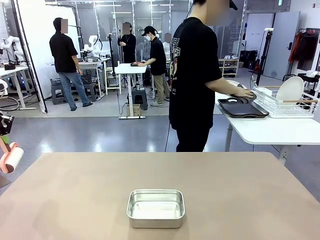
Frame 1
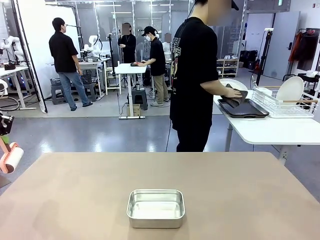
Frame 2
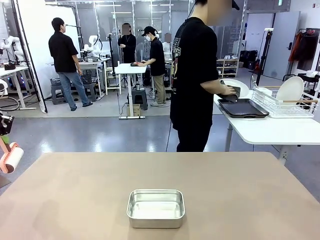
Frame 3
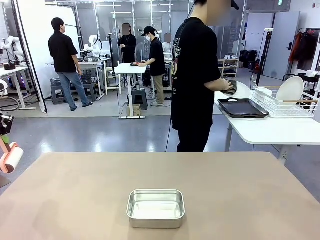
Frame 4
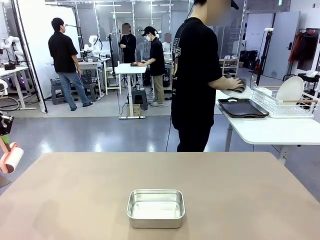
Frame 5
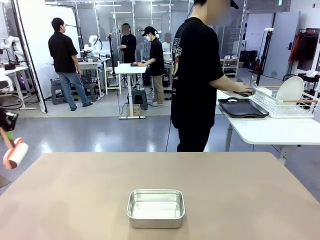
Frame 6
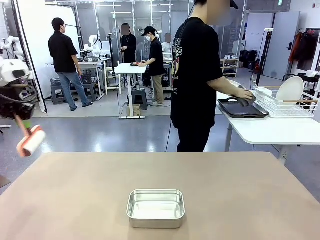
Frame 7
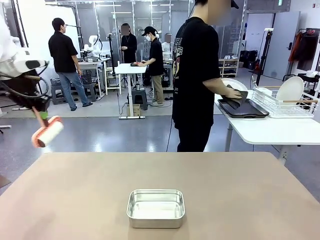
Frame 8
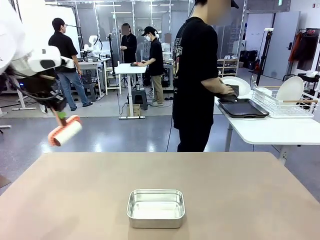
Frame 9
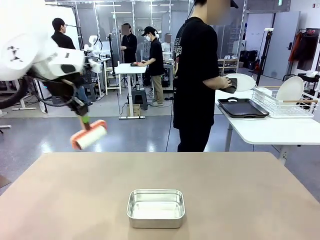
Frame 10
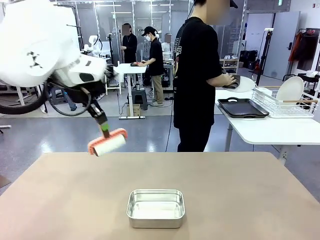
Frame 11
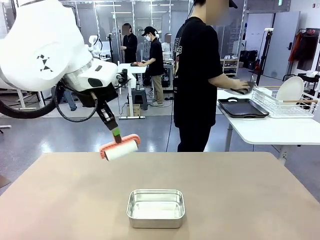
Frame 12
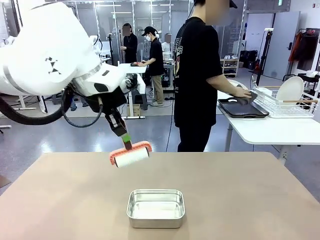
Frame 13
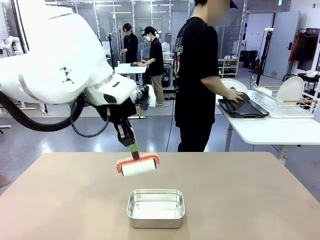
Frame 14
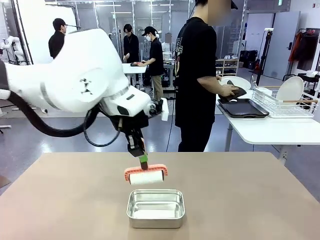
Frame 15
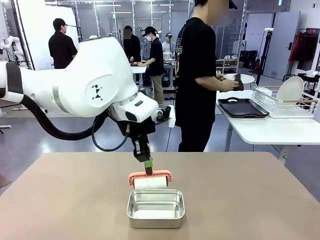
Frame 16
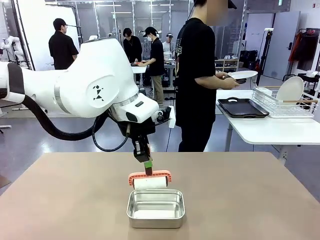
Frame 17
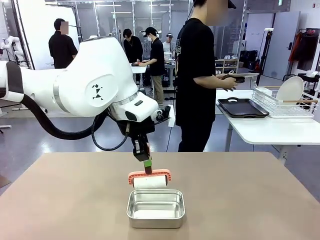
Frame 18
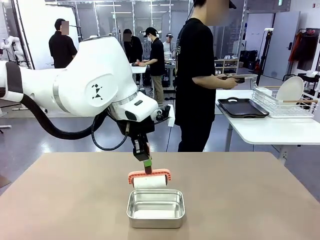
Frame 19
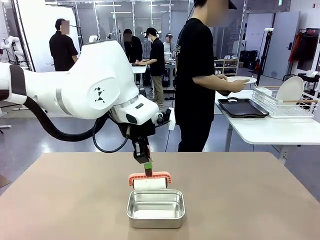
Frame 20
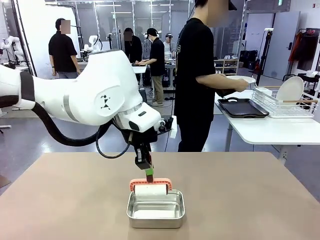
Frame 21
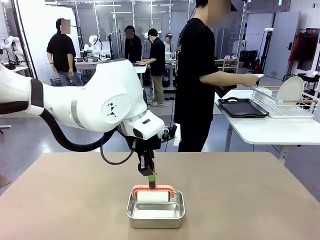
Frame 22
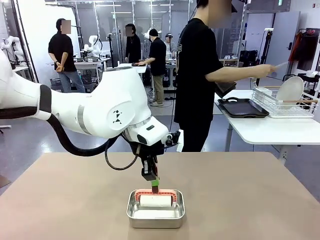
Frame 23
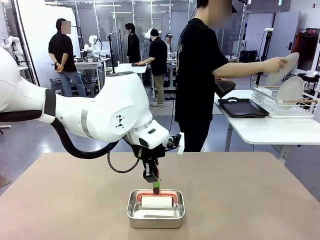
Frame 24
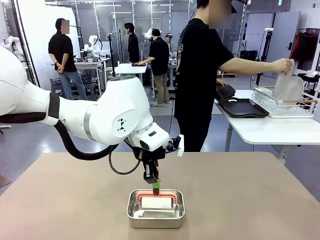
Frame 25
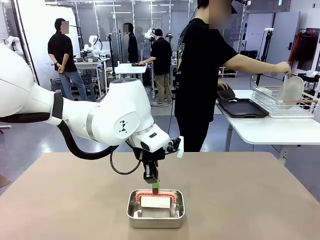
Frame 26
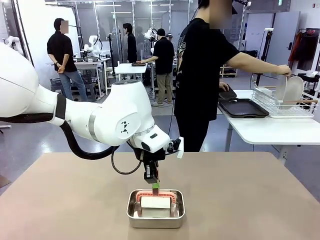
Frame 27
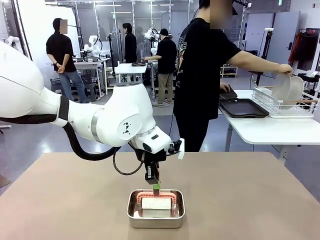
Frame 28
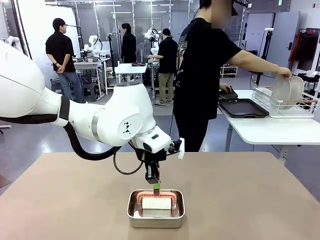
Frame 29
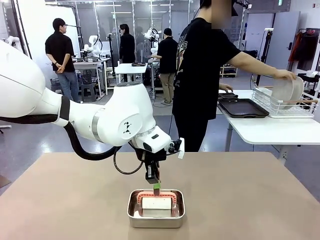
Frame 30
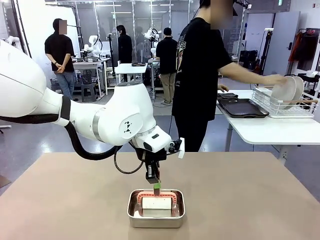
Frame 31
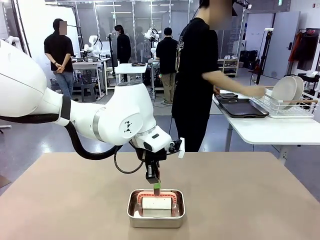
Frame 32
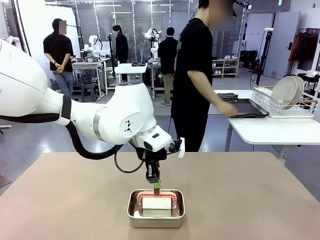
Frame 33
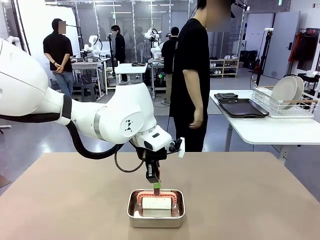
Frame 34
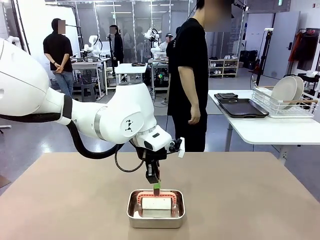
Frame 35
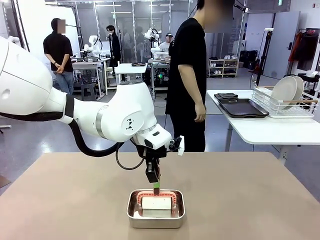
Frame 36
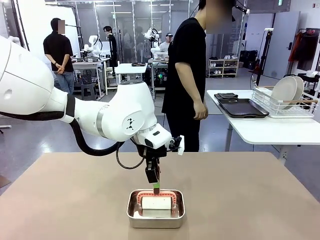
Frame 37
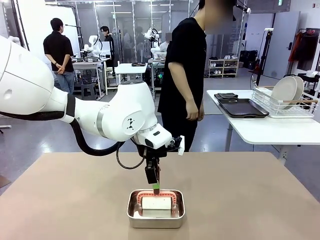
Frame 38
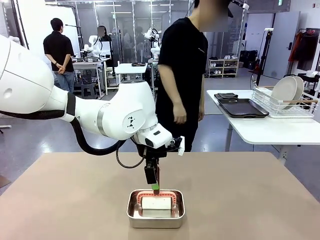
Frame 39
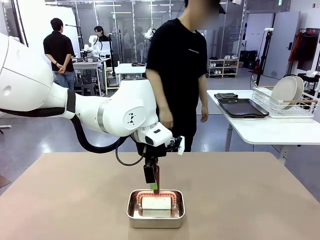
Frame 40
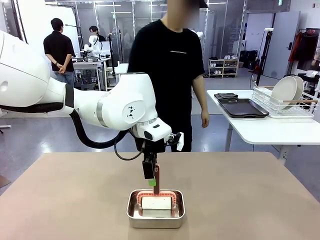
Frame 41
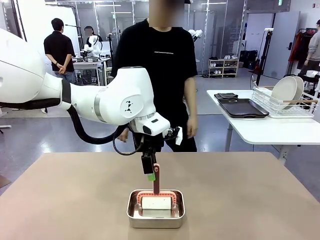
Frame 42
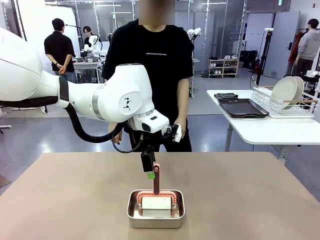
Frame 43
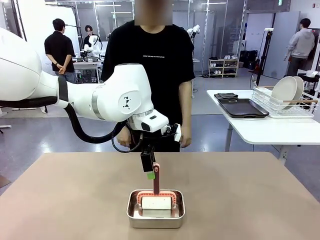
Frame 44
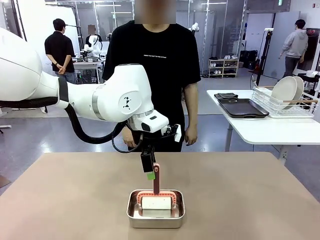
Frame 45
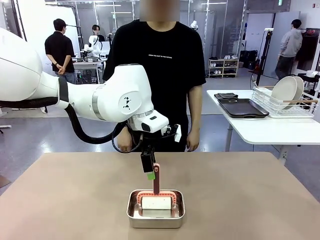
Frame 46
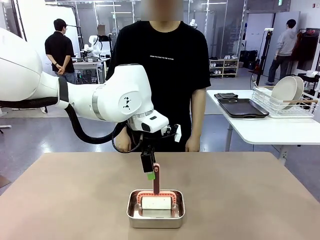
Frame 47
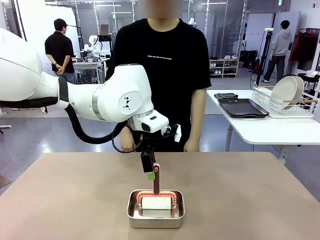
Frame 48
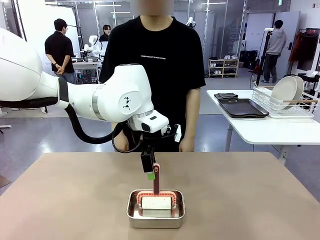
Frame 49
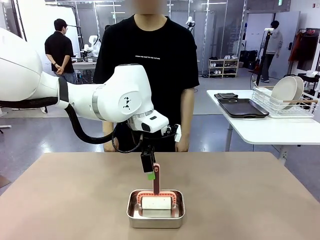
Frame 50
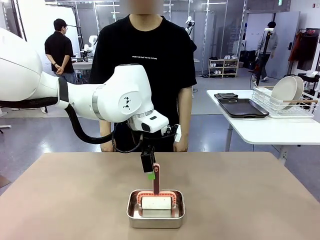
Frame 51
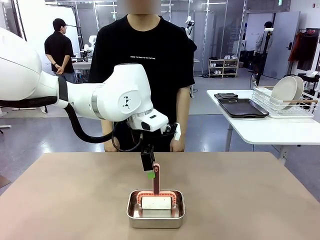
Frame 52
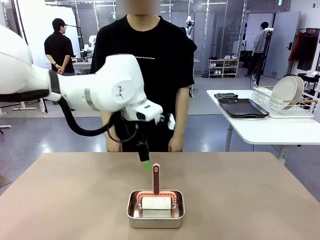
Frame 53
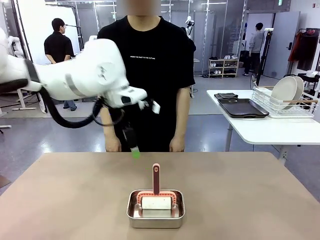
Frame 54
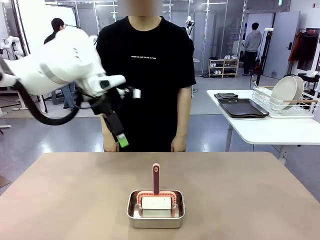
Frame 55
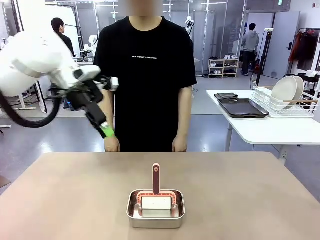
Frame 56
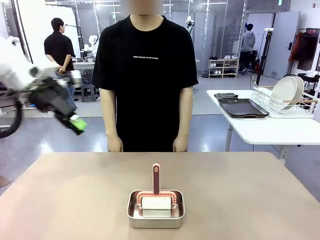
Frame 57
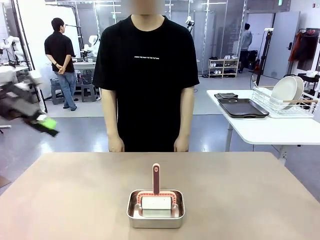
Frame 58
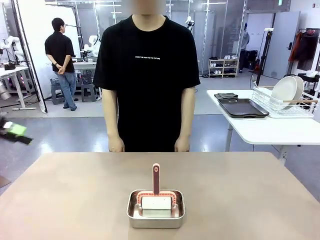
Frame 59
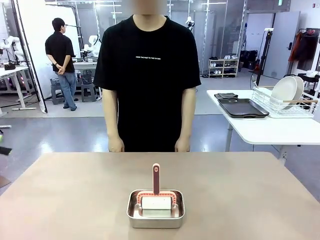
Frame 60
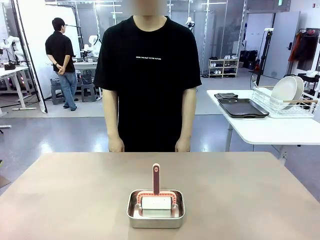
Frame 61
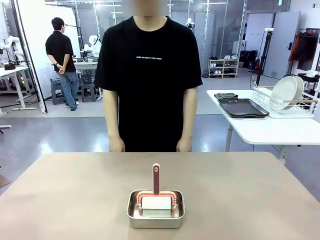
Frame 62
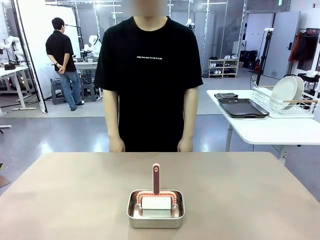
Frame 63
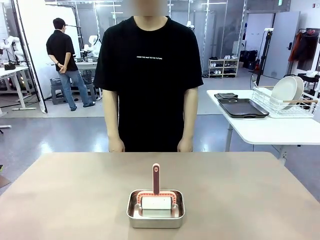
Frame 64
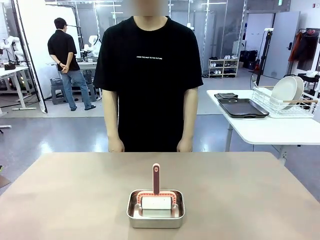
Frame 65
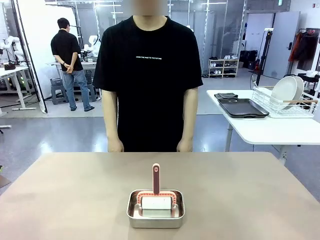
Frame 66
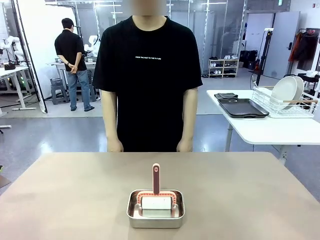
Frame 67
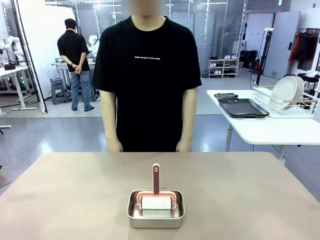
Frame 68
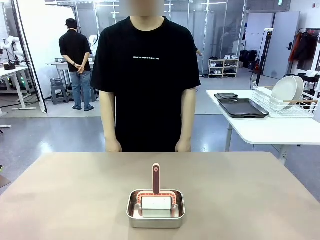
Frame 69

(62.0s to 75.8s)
Robot: Place the Lint Roller back on top of the Airtight Container.

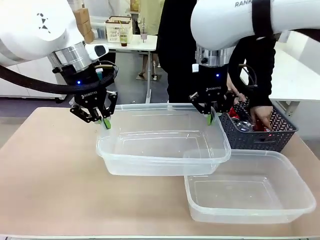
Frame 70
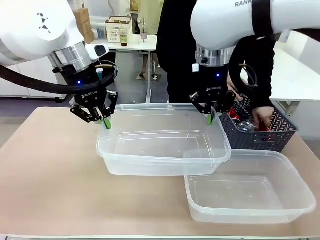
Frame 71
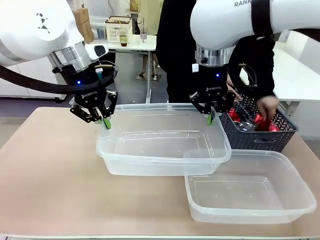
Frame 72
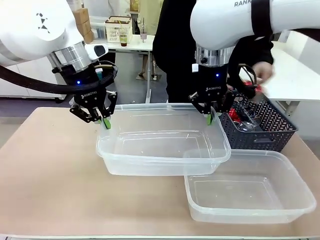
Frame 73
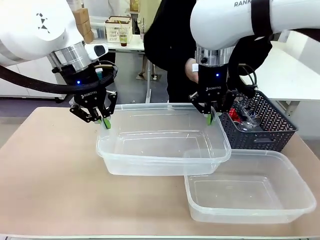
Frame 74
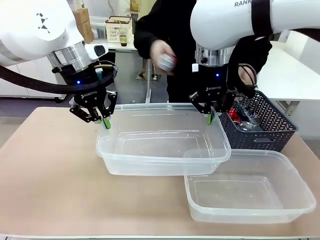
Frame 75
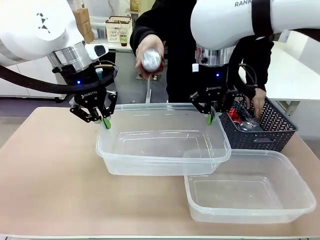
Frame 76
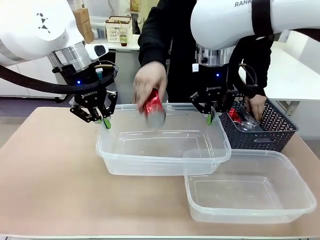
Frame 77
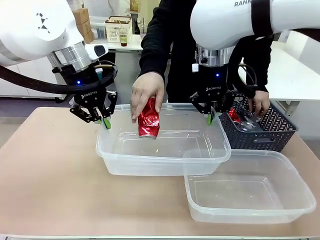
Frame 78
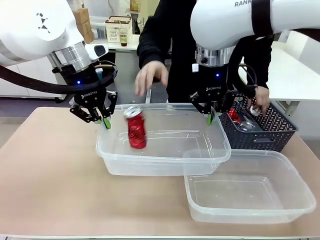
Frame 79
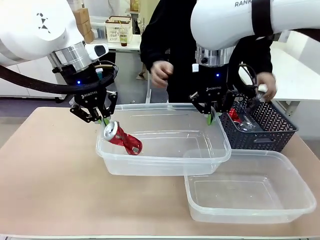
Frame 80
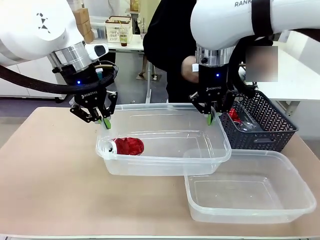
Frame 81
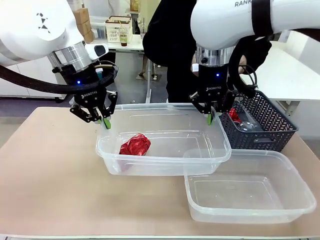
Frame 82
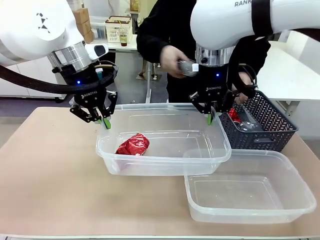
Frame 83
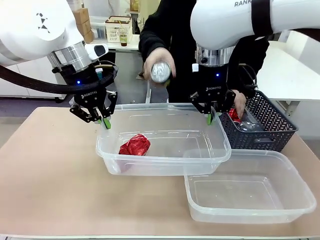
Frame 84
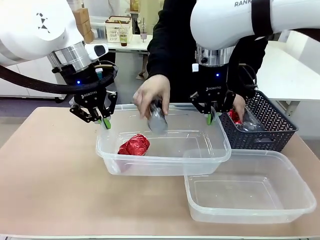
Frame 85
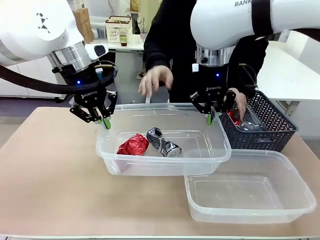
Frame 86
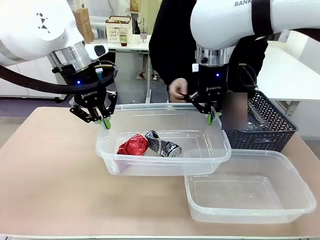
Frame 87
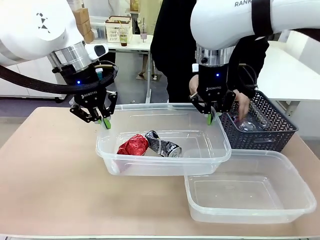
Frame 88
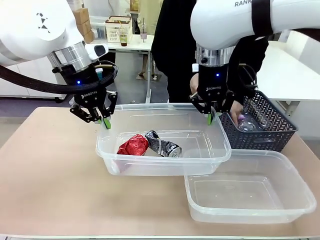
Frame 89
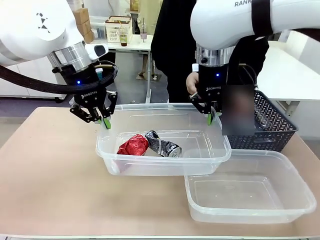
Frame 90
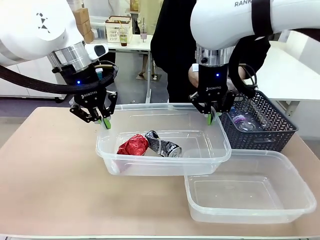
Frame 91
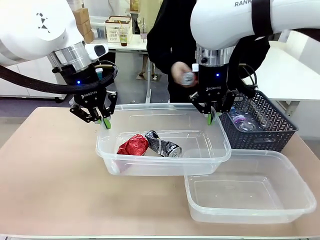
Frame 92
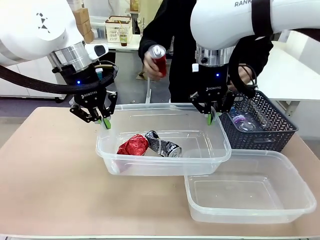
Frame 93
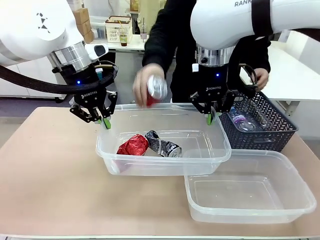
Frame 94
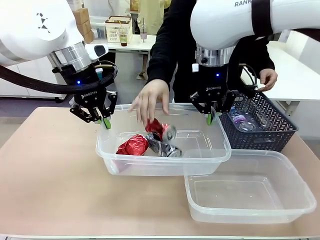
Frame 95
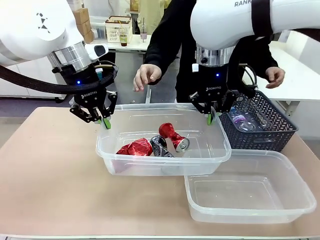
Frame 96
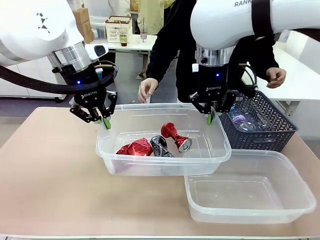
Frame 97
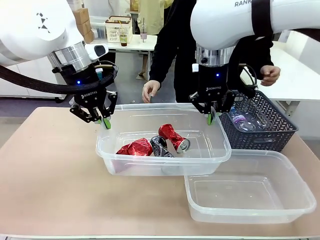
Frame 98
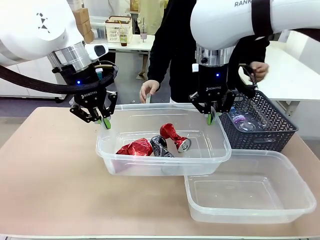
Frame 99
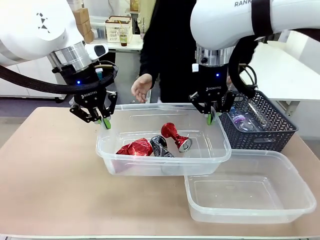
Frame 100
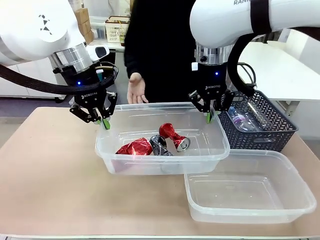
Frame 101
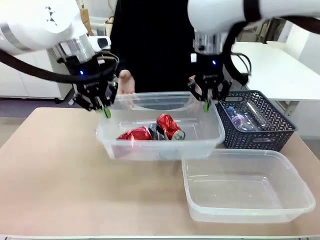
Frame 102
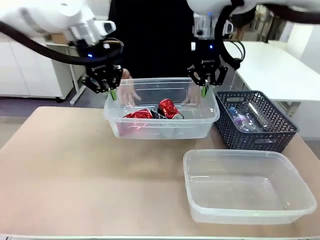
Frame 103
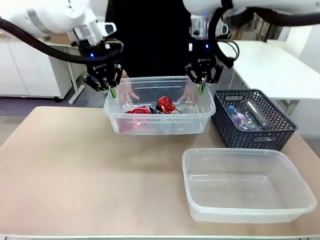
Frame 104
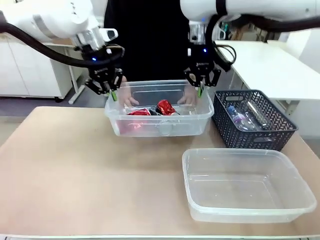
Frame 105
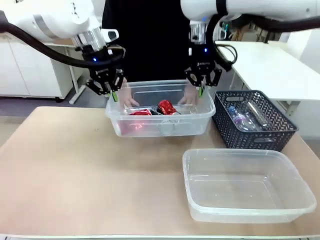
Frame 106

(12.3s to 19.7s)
Robot: Offer the picked Organizing box to the human.

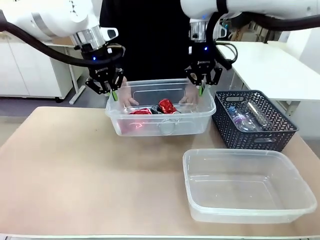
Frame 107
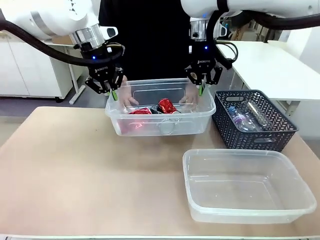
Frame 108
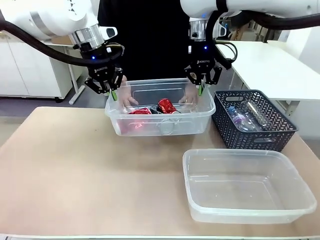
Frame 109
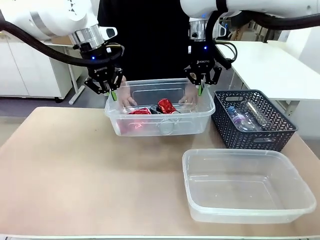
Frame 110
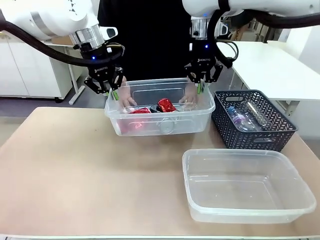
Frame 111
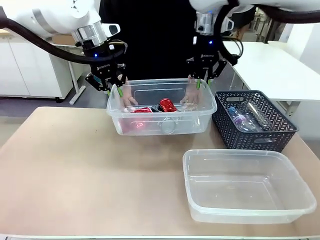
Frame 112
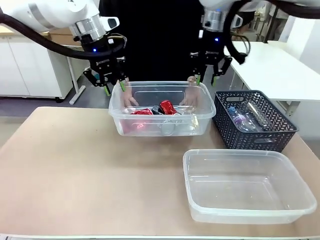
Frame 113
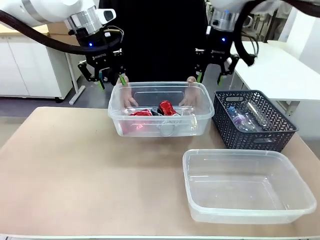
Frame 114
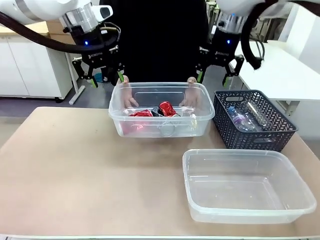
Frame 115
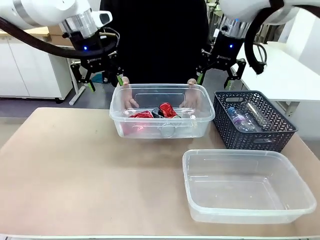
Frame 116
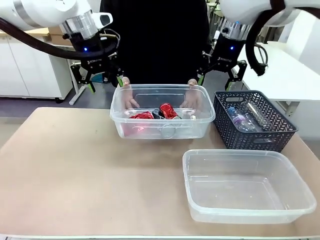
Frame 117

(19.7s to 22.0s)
Robot: Release the Organizing box you were holding.
